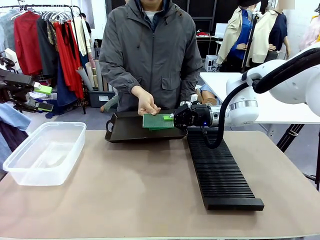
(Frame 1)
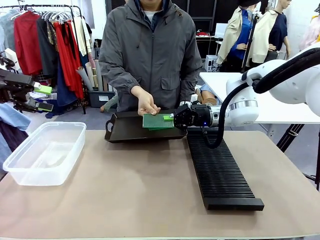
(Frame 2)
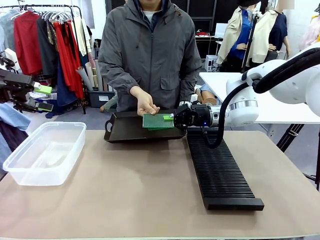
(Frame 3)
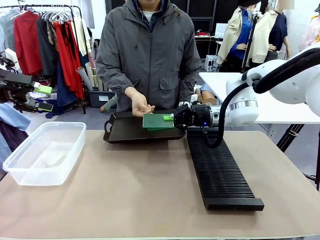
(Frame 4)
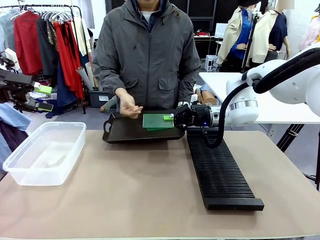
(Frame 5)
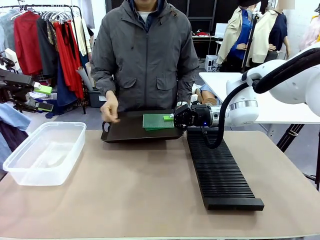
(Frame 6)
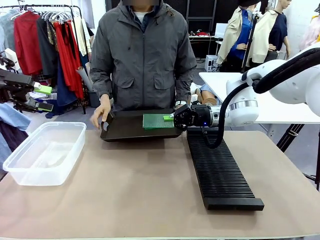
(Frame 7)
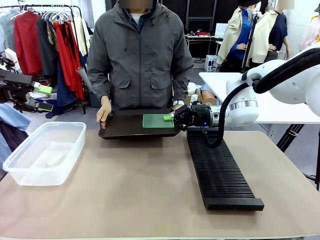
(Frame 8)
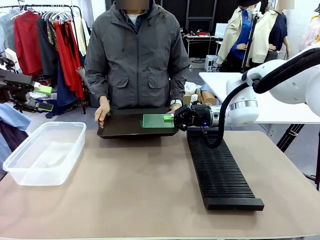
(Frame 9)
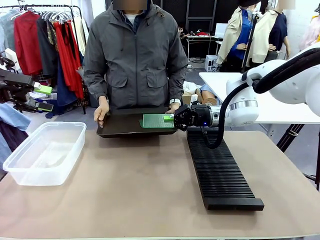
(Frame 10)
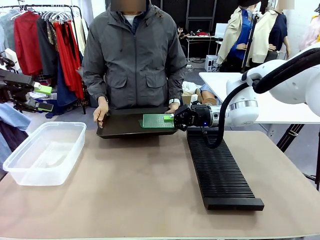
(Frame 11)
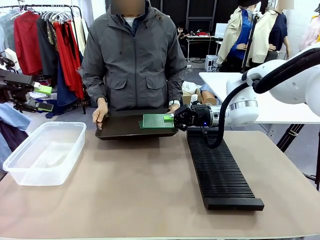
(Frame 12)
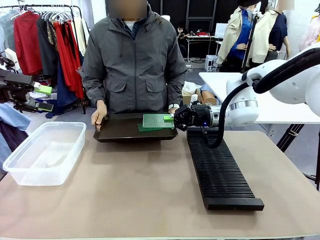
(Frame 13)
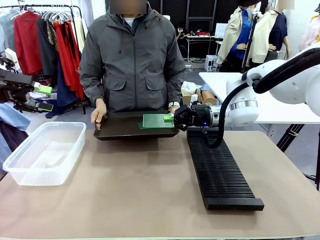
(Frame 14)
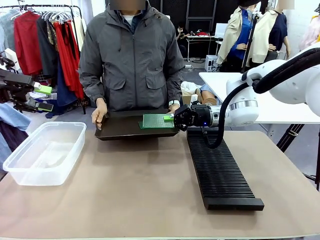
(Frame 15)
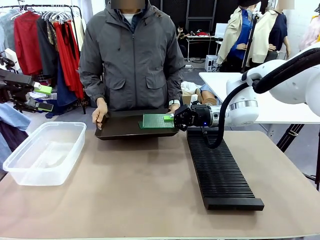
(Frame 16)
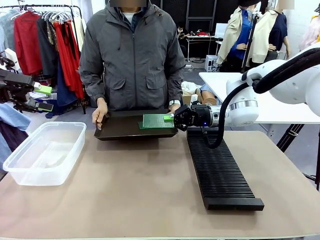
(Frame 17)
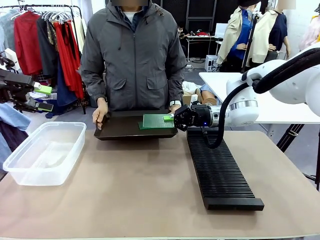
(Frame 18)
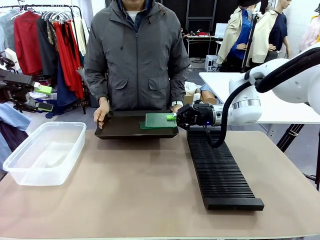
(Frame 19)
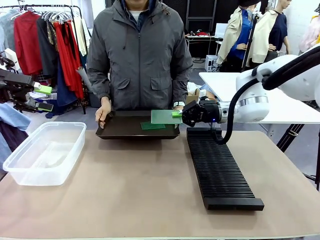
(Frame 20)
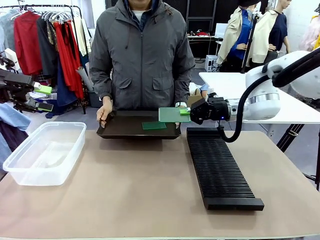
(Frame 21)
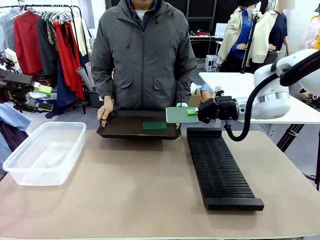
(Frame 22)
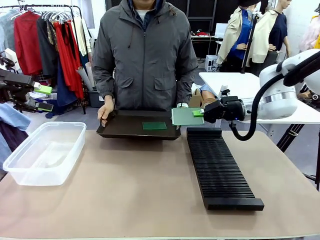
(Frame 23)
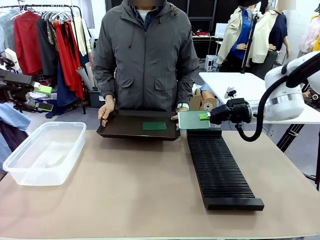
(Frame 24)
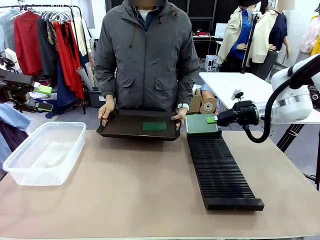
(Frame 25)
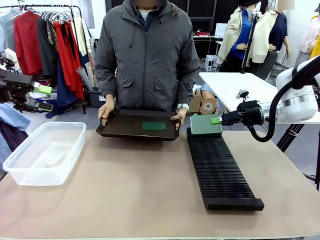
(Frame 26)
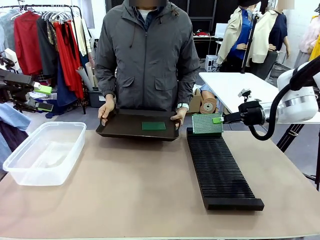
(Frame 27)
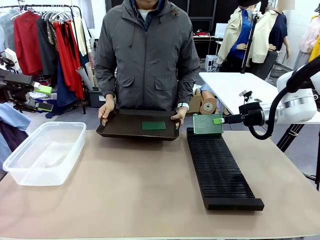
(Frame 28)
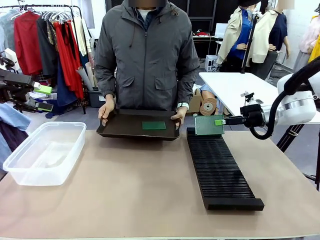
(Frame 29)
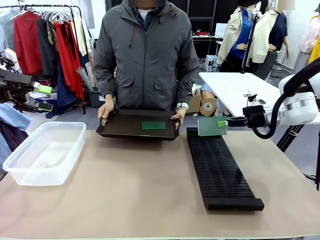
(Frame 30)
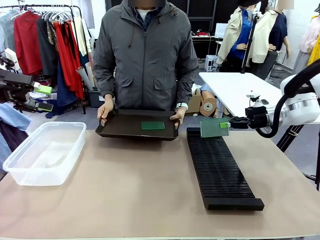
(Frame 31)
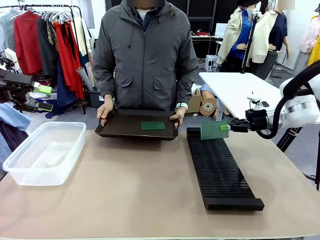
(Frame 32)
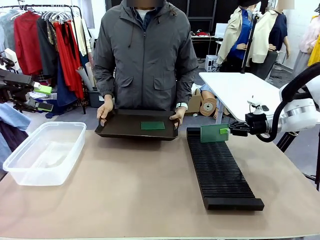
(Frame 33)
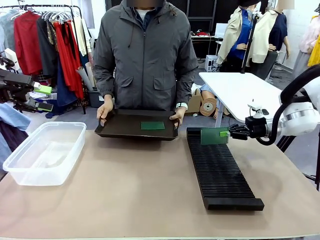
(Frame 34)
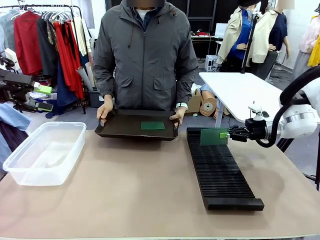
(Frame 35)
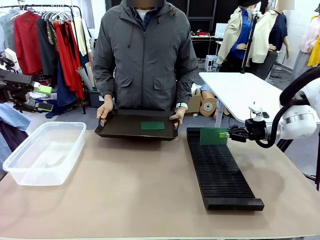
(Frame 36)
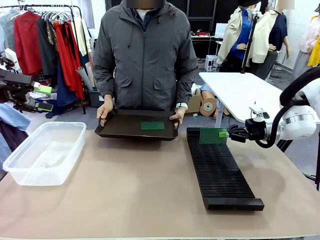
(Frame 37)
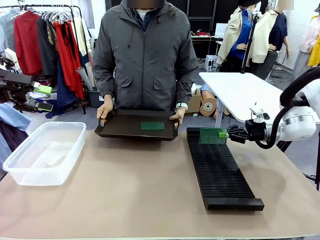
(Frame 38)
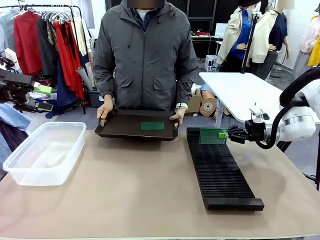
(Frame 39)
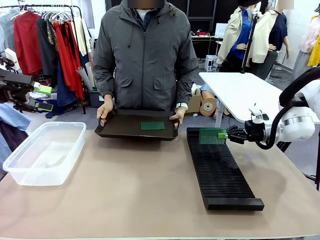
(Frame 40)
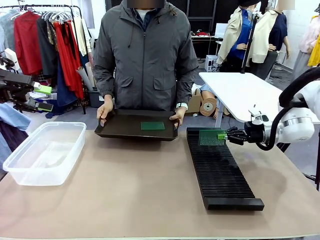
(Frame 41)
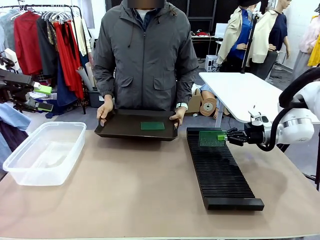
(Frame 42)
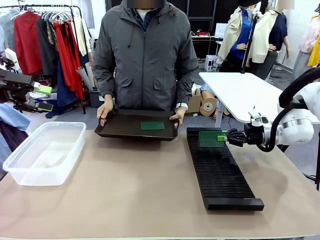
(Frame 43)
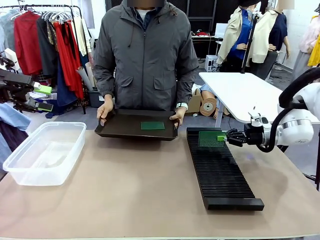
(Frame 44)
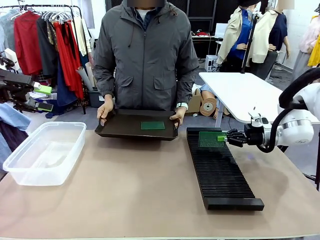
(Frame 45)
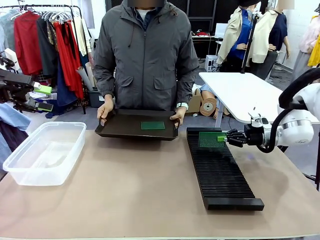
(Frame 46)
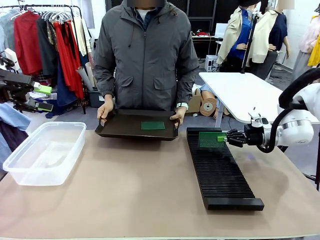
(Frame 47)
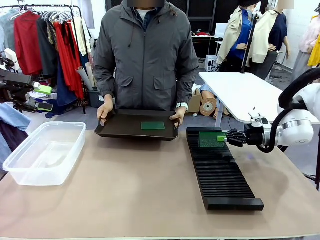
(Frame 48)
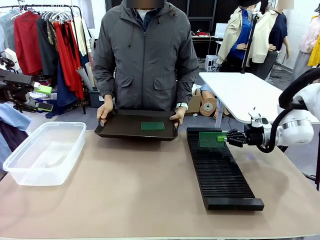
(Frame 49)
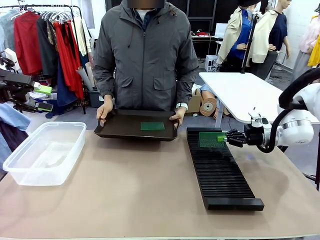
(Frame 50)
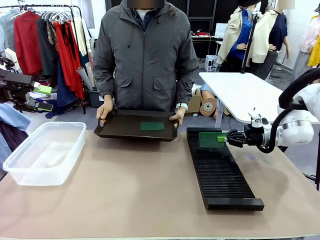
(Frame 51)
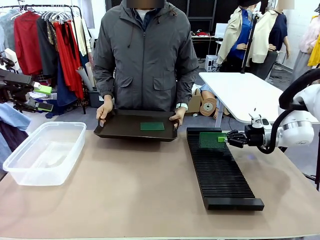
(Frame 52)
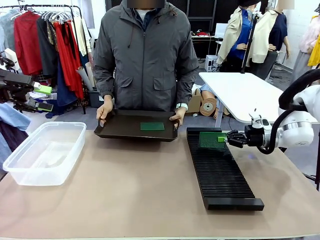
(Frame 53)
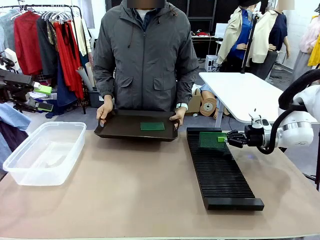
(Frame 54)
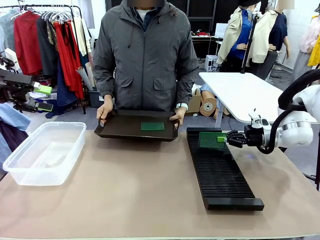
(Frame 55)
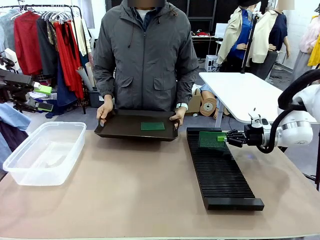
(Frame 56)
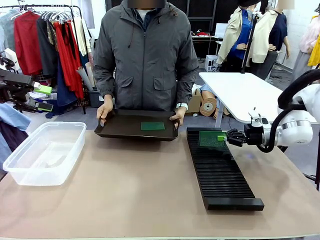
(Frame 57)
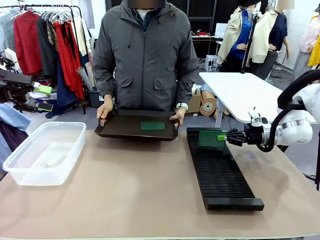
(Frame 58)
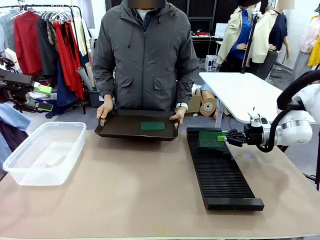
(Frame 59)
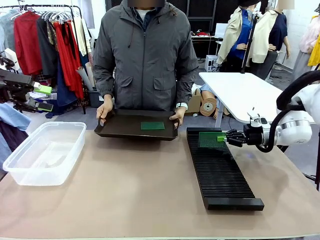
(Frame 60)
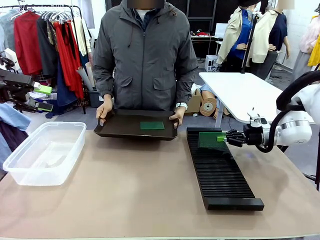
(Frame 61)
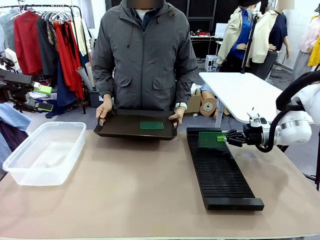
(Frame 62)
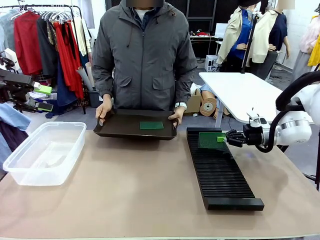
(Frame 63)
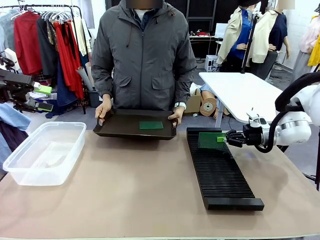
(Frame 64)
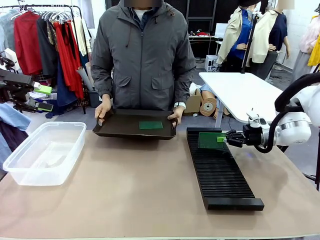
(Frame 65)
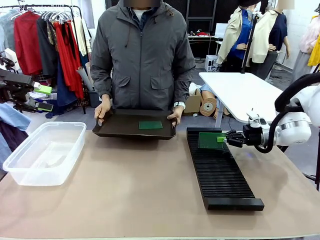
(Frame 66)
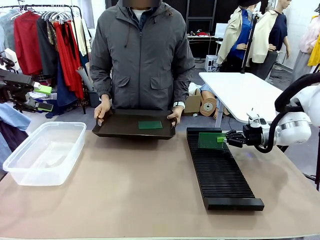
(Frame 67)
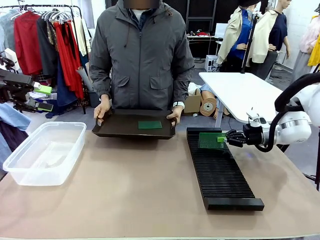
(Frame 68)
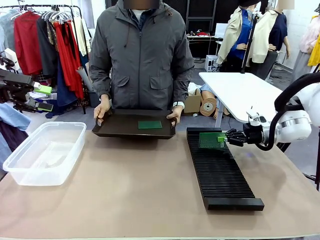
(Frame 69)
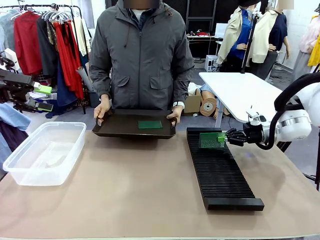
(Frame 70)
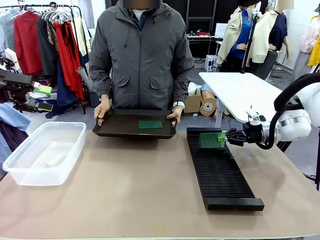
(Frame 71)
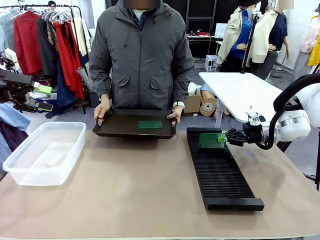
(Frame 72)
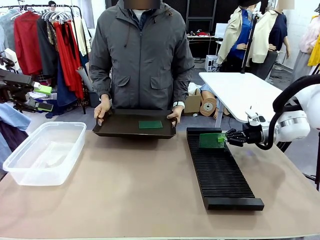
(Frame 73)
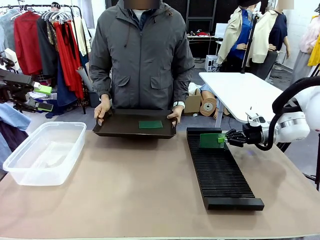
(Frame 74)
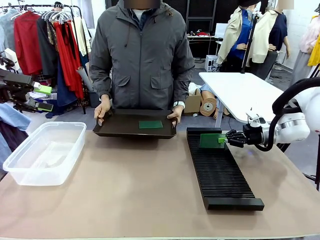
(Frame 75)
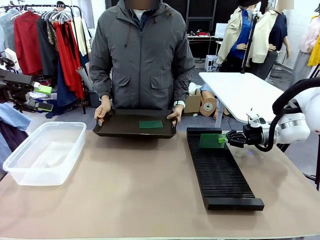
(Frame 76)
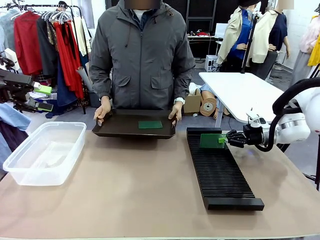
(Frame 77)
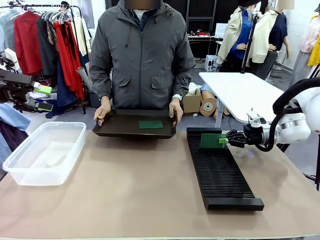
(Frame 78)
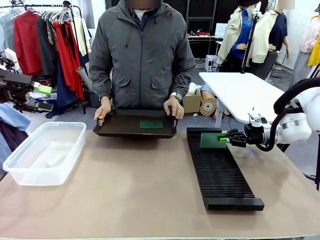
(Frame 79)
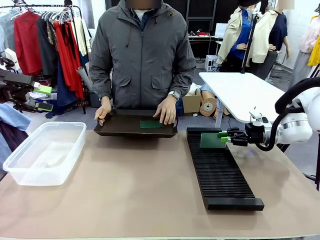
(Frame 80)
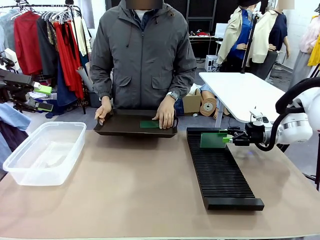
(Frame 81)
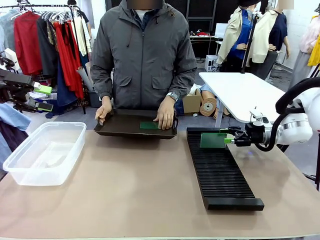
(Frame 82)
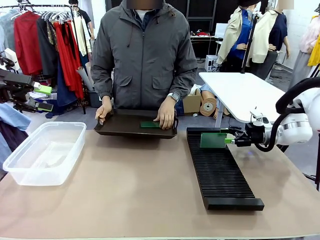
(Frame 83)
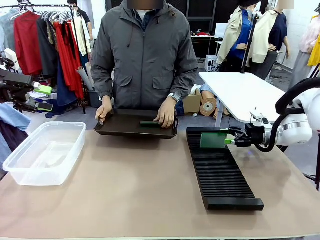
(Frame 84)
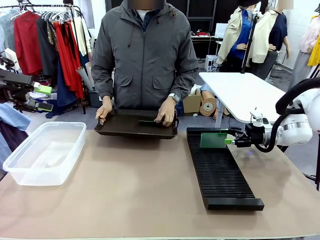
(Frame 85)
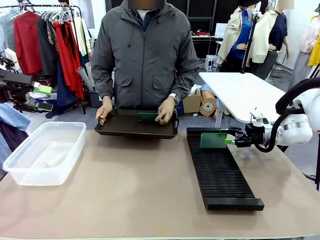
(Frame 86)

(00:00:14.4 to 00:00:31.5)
Task: Sort PCBs into racks and boxes based on the side picked up.
Robot: If the short side of the Blank PCB is picked up, insert it into the PCB Rack ; if the long side is picked up, place it in the Organizing box.
Person: Pick one PCB from the tray and present it to the robot.
